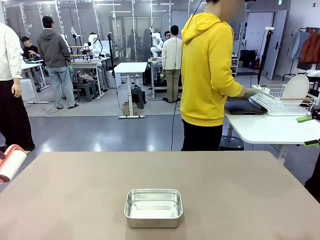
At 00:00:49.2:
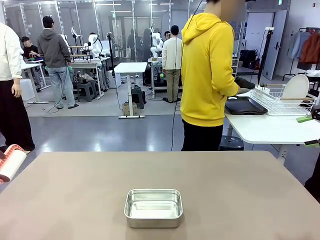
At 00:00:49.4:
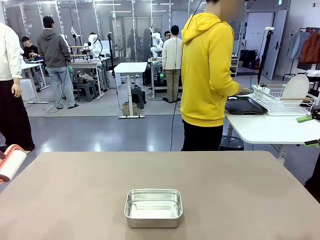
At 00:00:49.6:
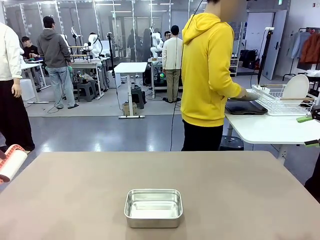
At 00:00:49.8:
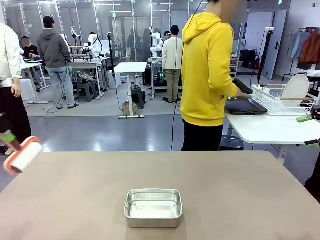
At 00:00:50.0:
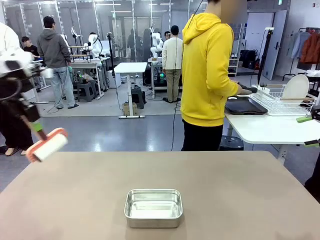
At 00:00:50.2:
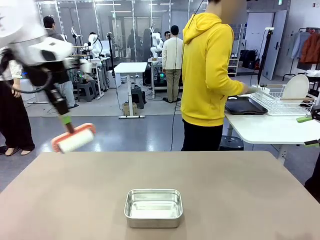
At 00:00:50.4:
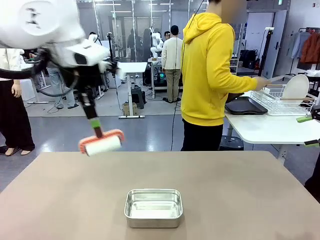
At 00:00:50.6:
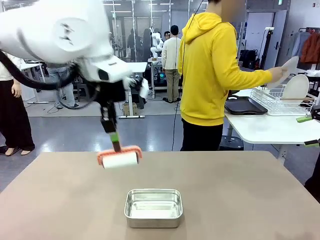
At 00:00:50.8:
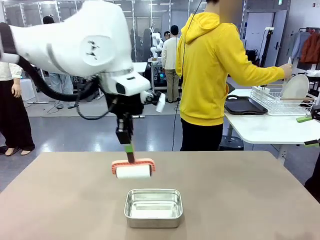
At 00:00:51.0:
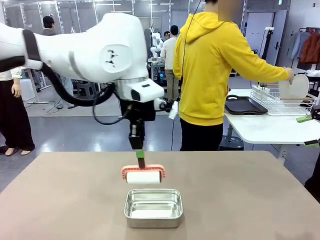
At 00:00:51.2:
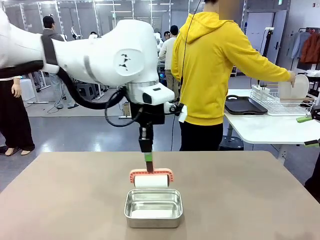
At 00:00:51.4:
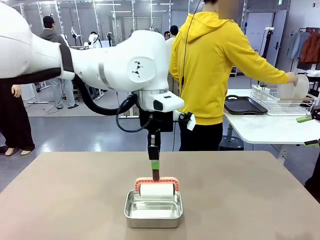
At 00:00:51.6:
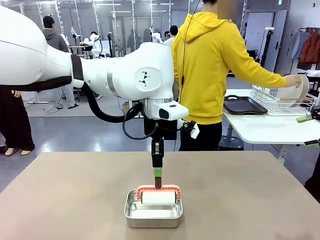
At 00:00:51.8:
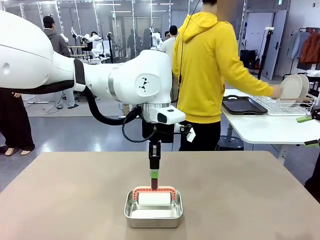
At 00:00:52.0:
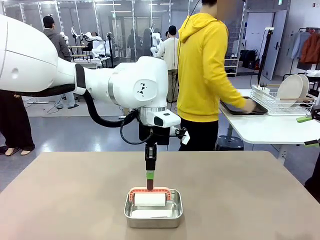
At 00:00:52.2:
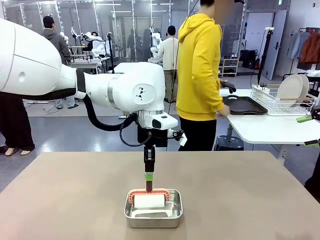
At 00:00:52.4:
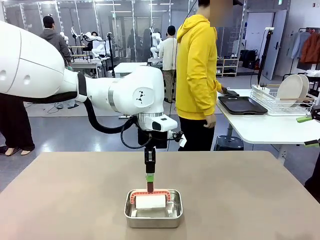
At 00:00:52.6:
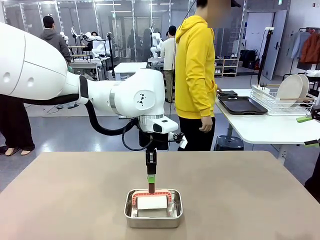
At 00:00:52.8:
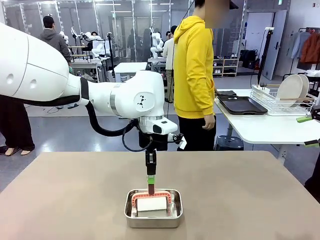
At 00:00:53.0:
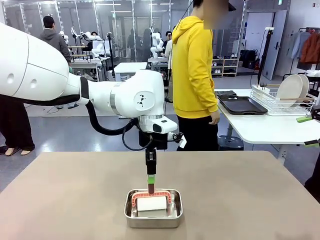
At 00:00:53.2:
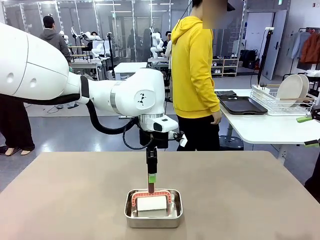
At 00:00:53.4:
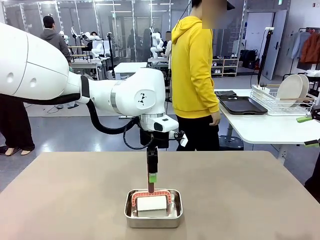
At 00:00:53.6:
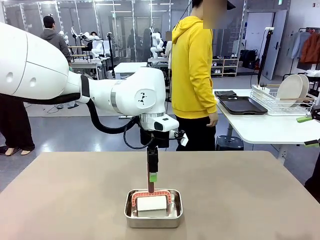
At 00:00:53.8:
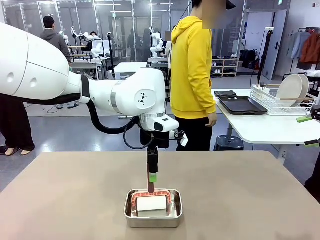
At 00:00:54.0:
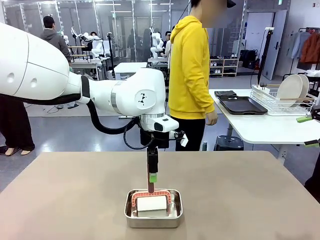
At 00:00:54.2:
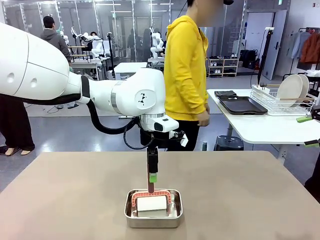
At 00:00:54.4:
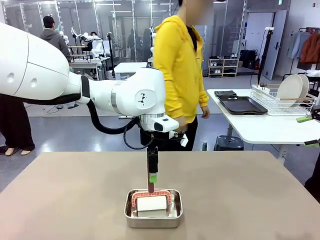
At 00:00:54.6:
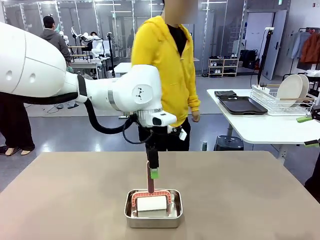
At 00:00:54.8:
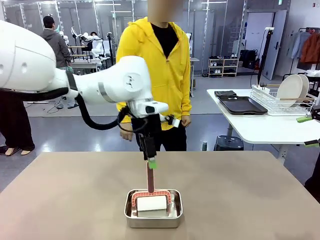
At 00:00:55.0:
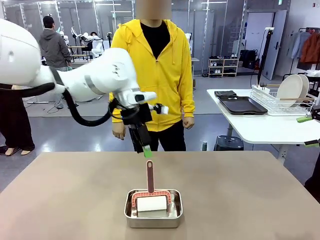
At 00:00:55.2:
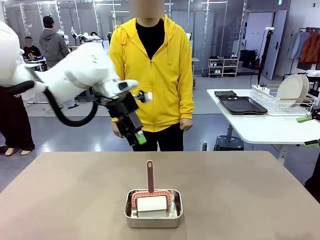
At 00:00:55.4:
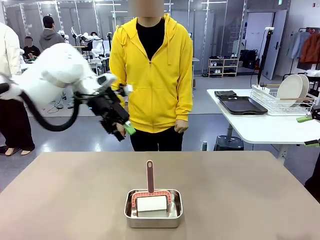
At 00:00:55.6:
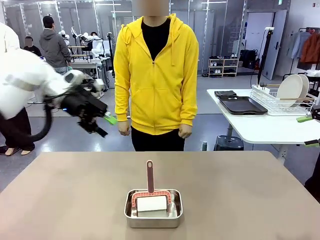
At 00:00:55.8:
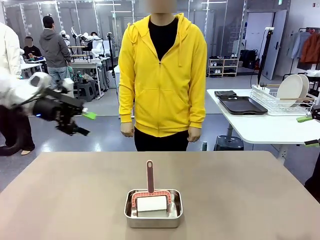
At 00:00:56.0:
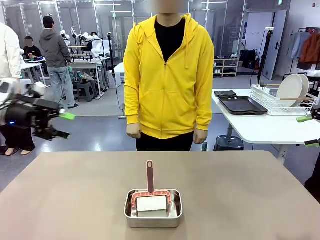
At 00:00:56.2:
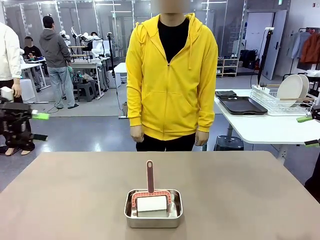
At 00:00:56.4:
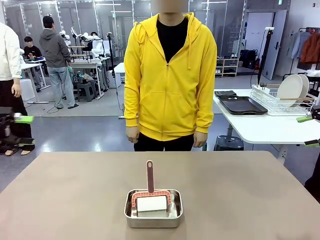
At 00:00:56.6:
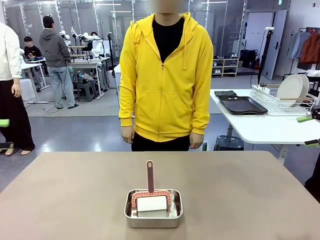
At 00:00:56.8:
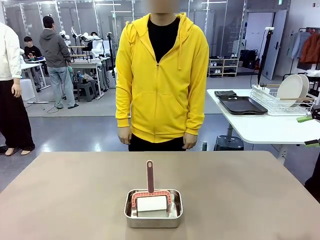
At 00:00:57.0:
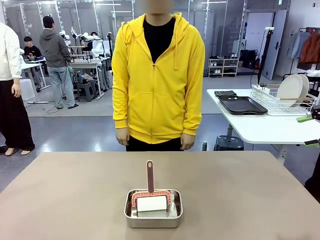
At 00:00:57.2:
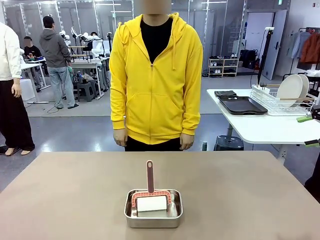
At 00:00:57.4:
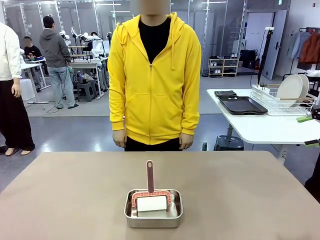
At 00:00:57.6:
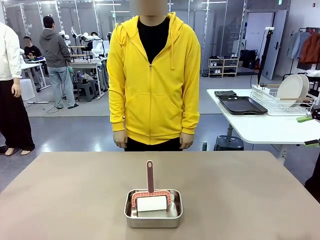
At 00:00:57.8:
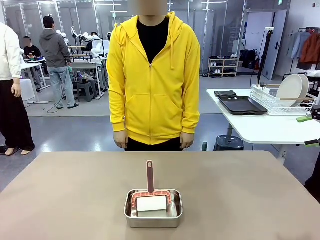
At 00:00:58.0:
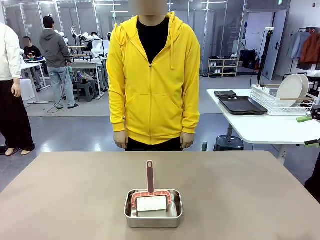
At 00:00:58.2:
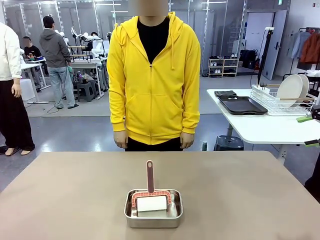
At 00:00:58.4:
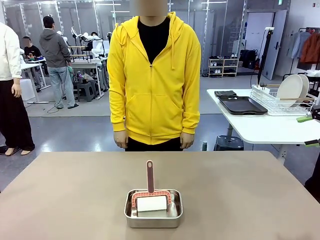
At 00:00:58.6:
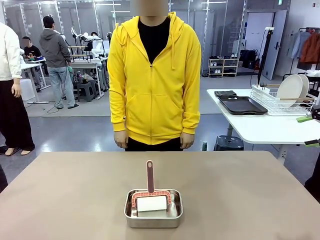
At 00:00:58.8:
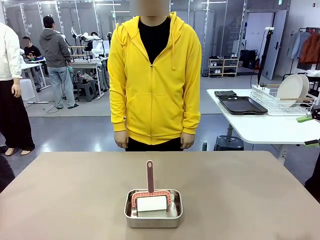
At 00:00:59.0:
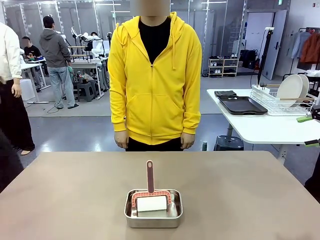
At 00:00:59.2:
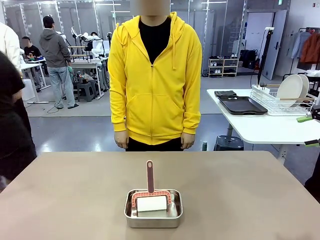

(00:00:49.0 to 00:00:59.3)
Robot: Place the Lint Roller back on top of the Airtight Container.

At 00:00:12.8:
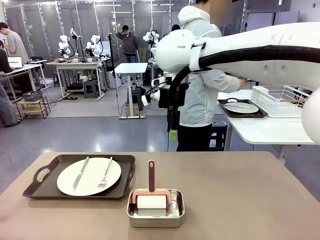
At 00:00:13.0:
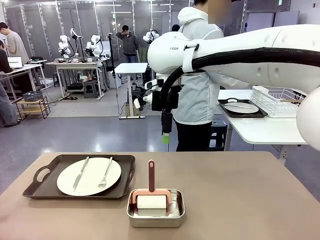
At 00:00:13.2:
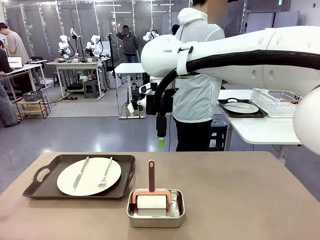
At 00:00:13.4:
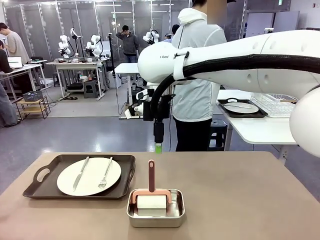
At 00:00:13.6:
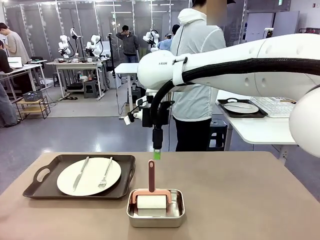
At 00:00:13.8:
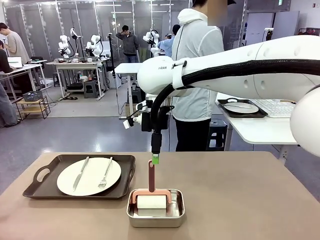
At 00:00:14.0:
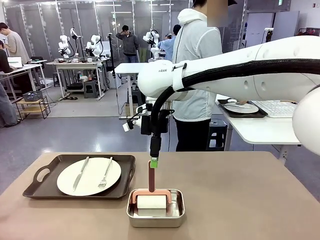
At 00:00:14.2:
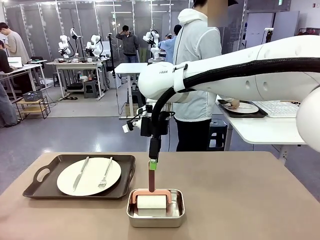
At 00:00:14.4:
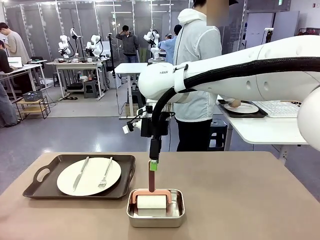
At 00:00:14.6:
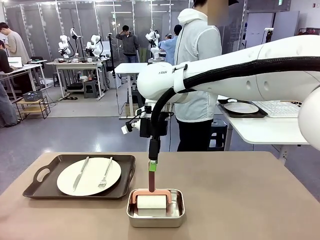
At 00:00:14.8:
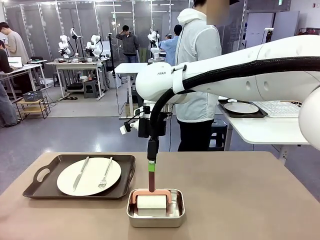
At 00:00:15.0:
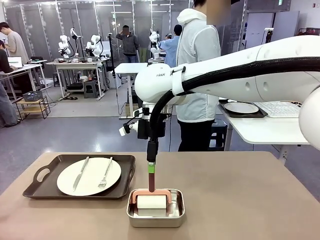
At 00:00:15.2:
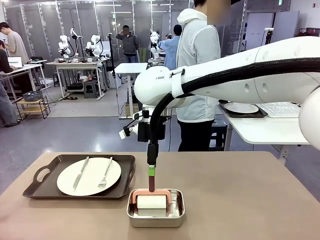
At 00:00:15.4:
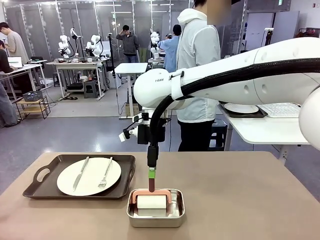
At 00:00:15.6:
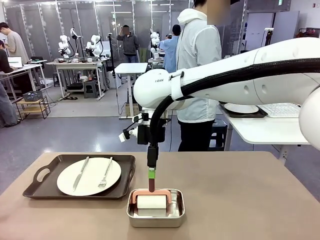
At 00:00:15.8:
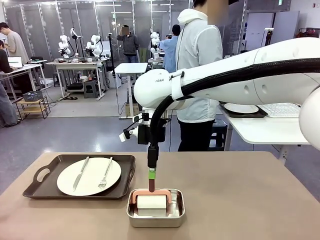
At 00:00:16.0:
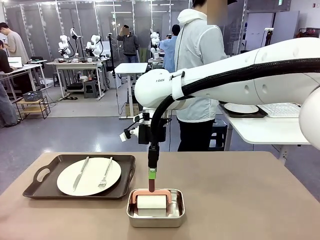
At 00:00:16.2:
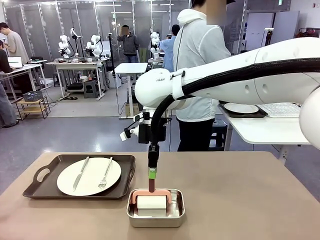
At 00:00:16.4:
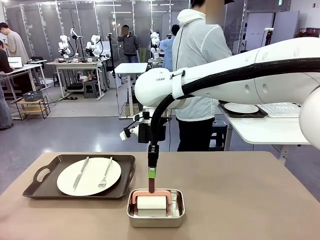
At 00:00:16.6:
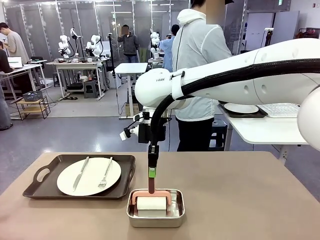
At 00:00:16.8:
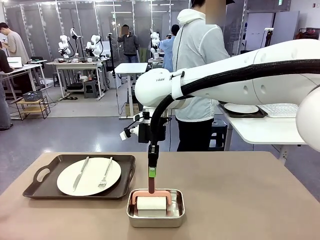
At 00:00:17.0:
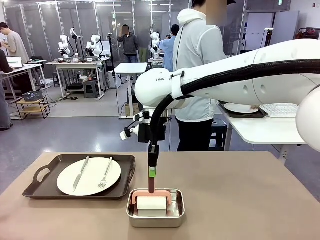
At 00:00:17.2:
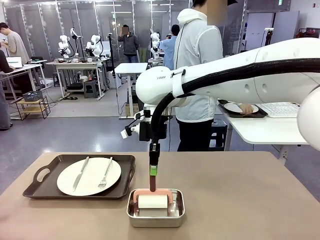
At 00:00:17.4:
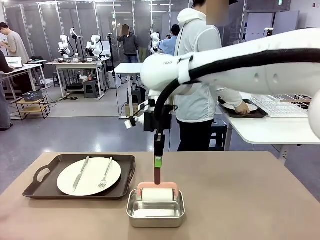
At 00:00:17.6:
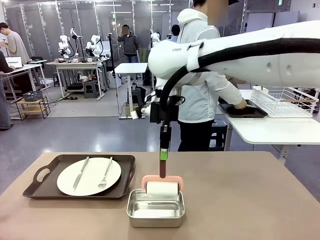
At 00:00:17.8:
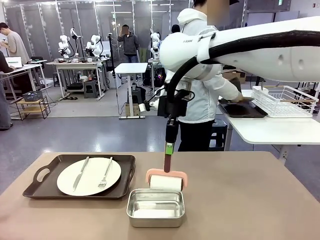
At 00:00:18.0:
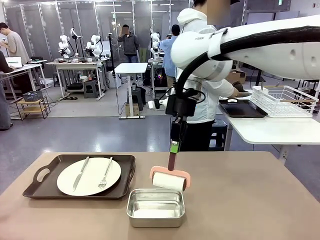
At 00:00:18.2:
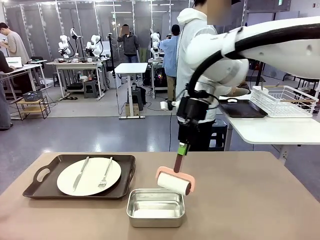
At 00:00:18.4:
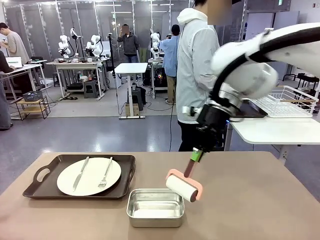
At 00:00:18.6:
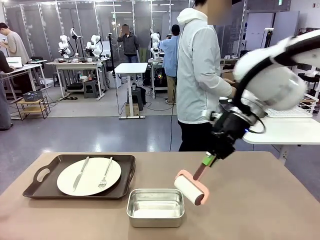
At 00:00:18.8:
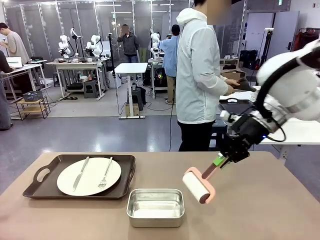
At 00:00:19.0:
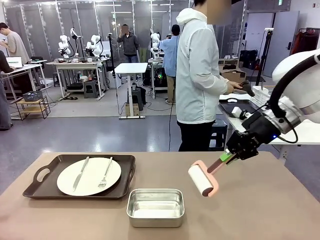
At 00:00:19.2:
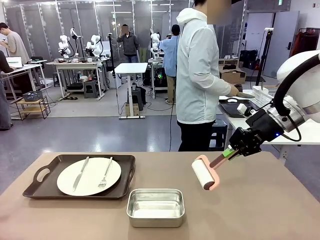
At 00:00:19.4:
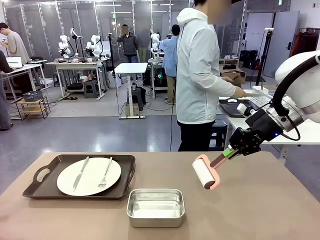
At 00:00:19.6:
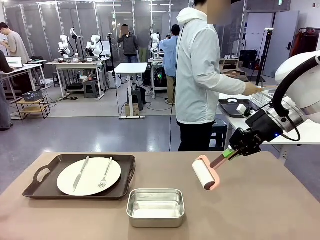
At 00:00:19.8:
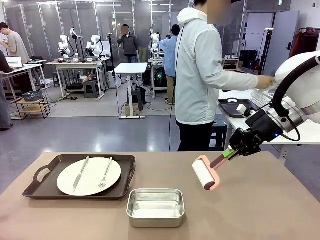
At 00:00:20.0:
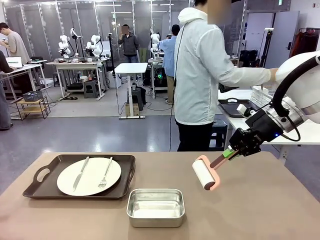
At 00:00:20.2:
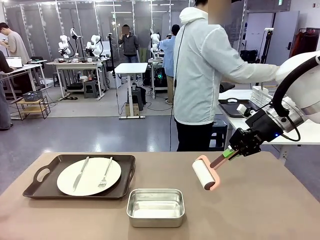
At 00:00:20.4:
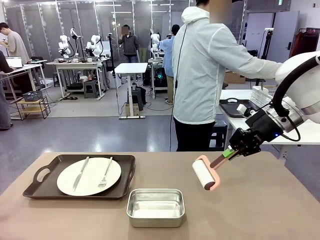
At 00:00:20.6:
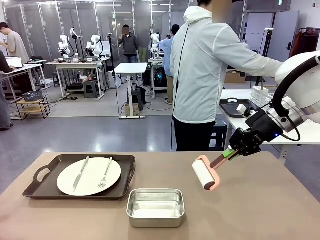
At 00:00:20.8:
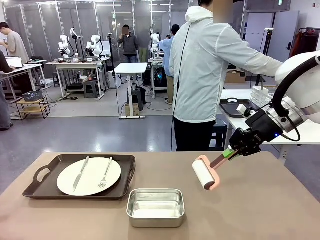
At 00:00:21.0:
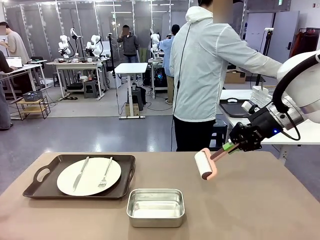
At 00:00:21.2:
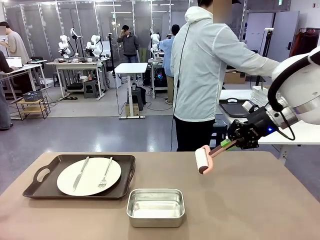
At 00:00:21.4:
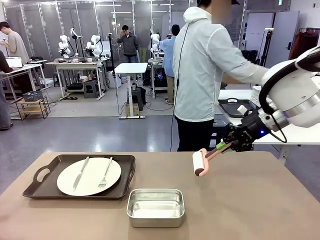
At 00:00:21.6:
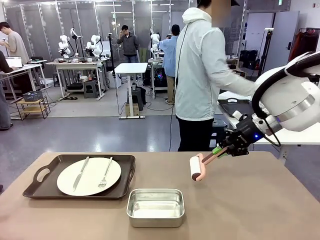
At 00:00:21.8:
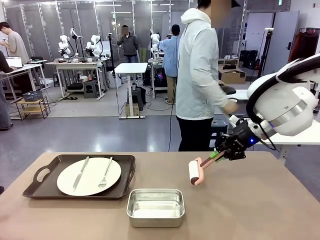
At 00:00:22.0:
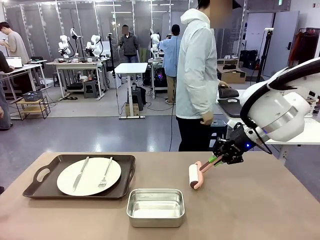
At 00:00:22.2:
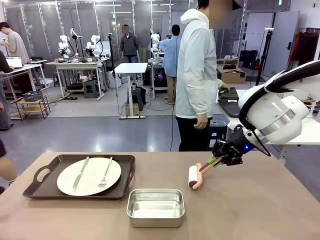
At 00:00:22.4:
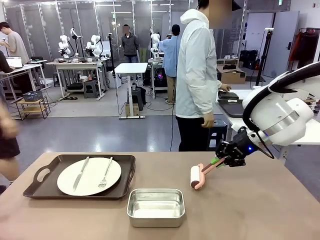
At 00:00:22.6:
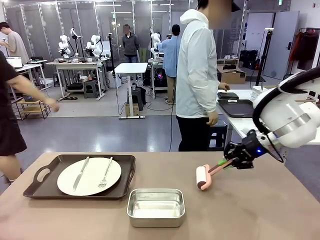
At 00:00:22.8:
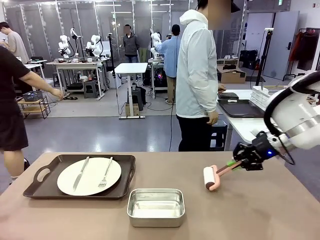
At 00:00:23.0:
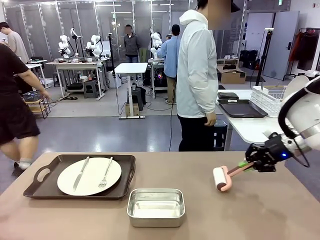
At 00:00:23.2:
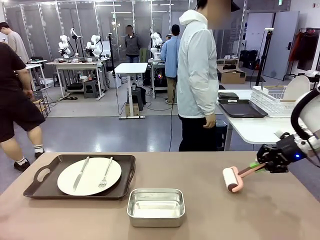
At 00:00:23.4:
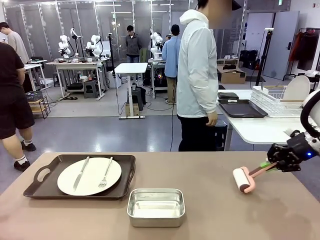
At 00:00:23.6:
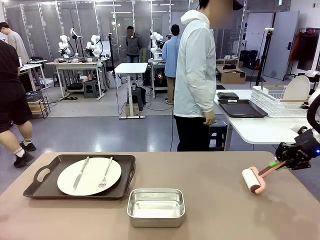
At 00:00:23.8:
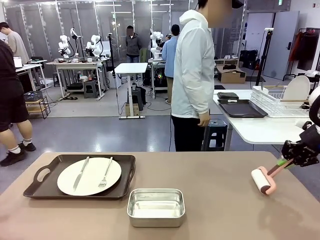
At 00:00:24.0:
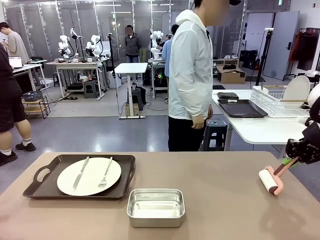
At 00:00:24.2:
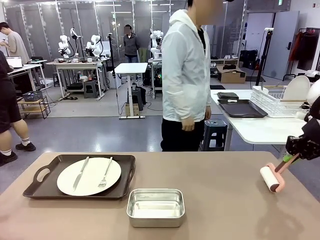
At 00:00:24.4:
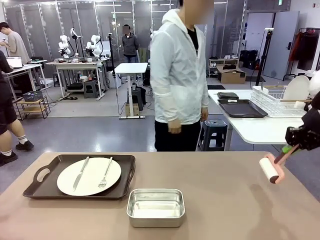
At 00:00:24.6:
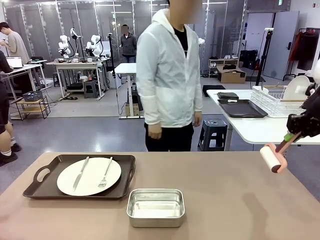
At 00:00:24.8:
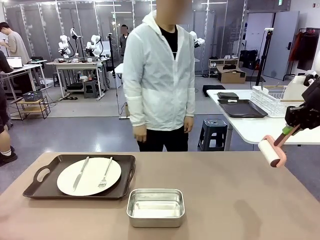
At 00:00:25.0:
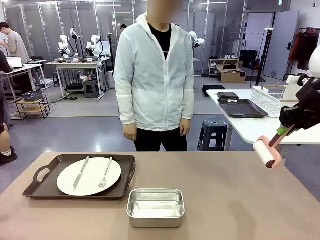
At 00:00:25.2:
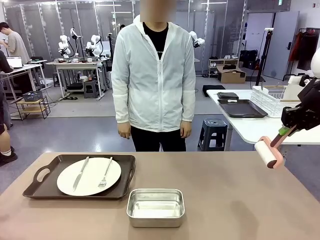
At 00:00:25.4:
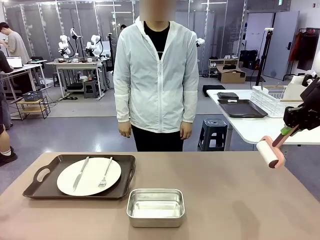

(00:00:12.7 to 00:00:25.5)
Robot: When the left (or right) Handle tray is removed, use the left hand (or right hand) to clean the left (or right) side of the table with the Lint Roller.
Person: Use the Towel with hook to wipe the Plastic Matte Plate , Fork , and Knife and place into the Dish drying rack.
